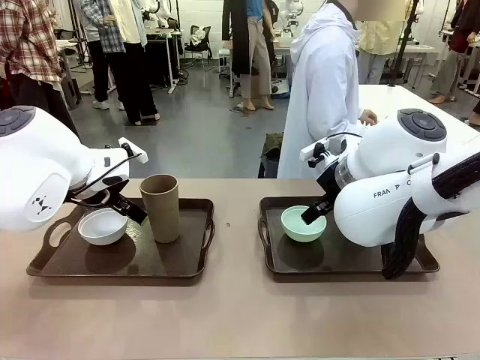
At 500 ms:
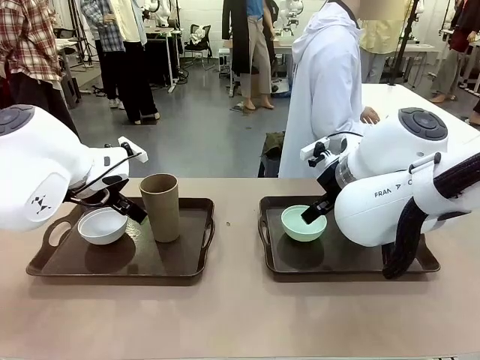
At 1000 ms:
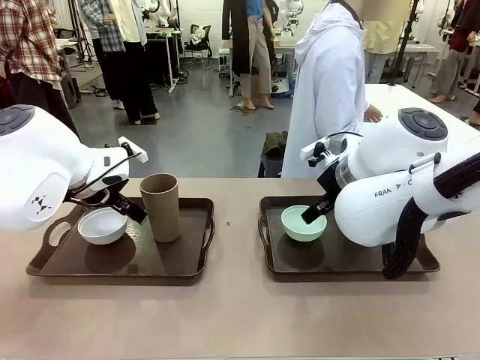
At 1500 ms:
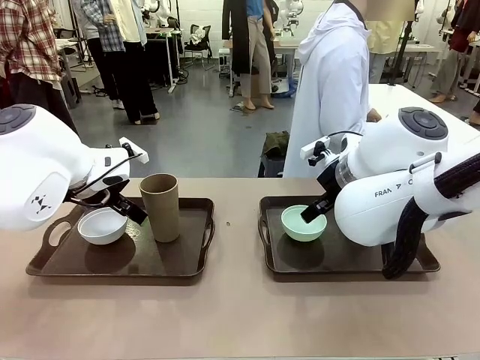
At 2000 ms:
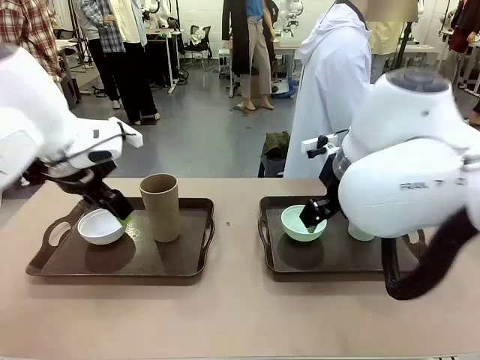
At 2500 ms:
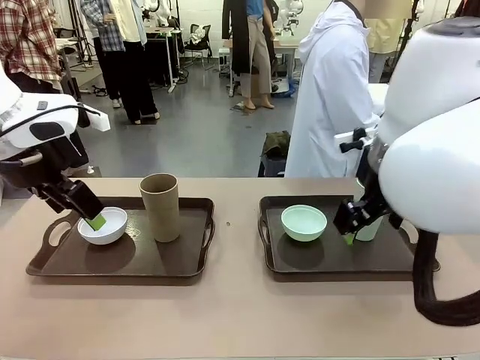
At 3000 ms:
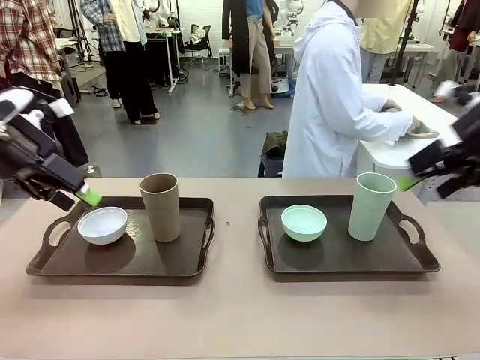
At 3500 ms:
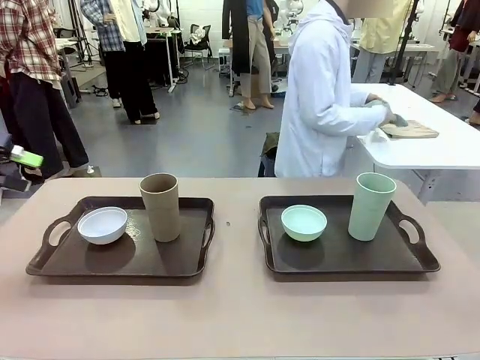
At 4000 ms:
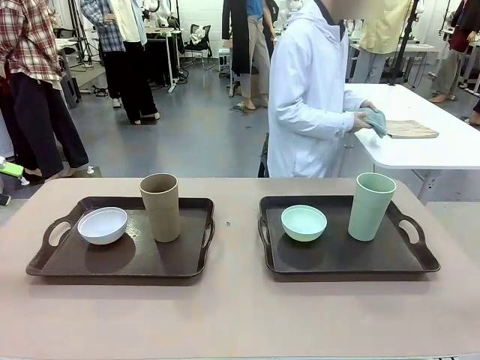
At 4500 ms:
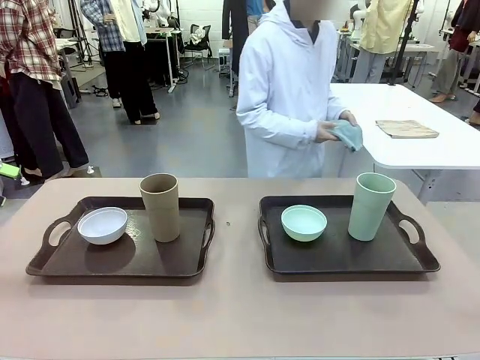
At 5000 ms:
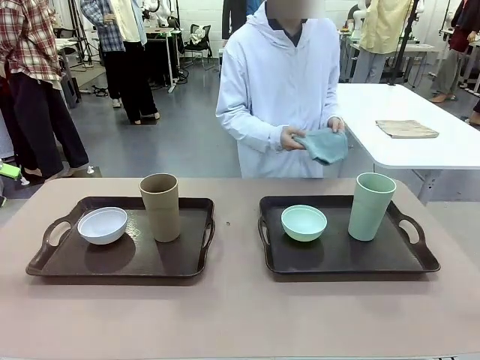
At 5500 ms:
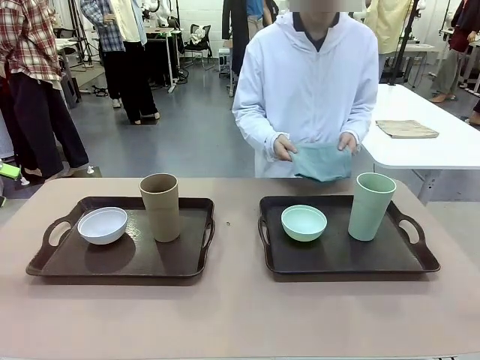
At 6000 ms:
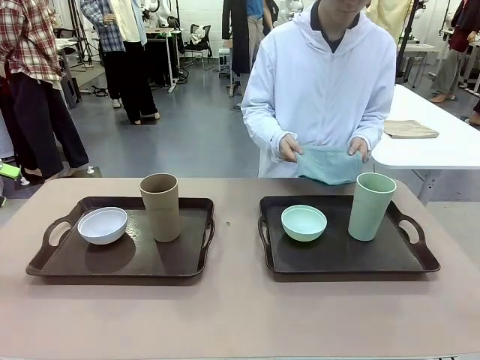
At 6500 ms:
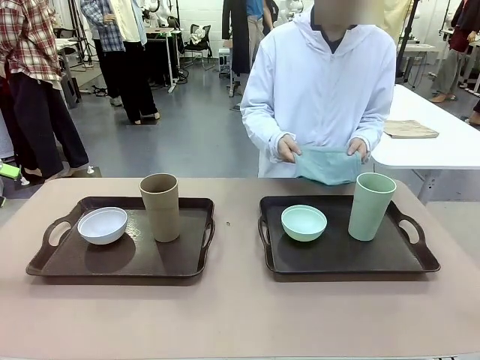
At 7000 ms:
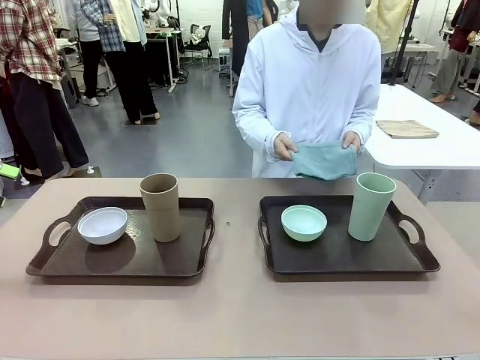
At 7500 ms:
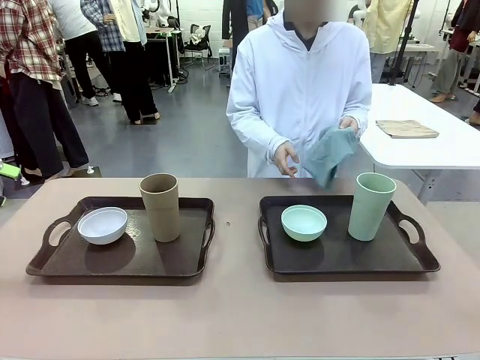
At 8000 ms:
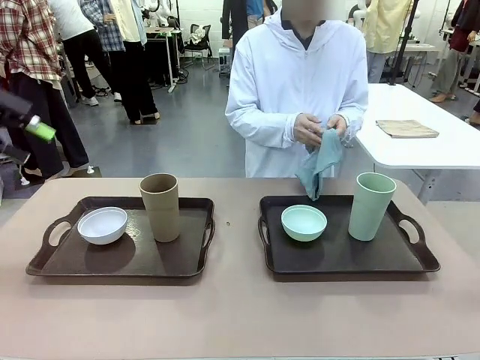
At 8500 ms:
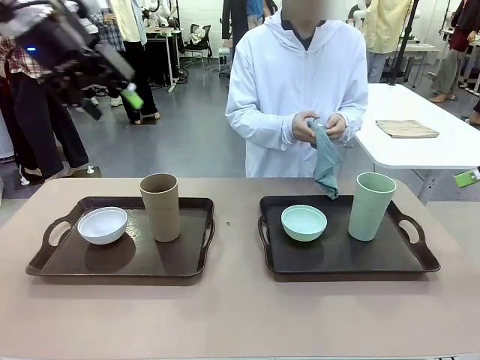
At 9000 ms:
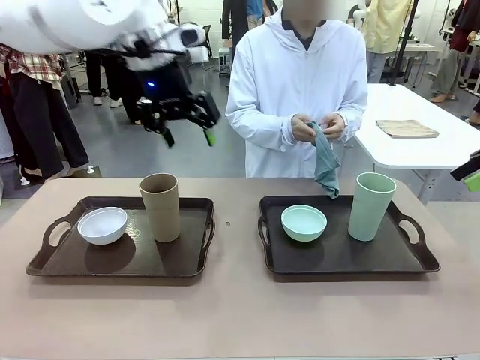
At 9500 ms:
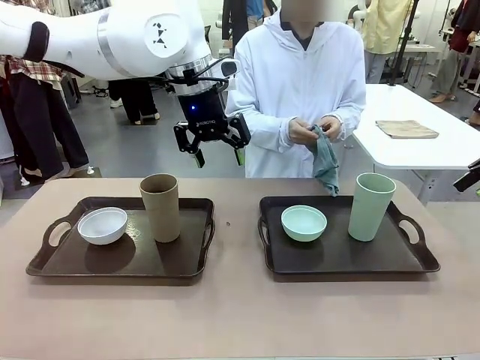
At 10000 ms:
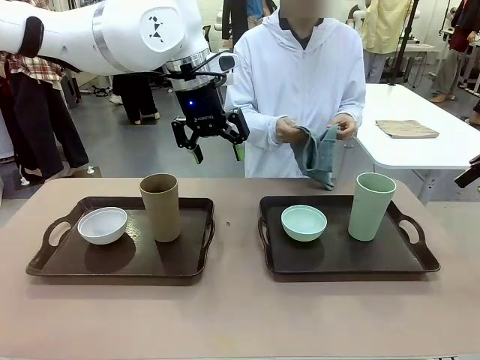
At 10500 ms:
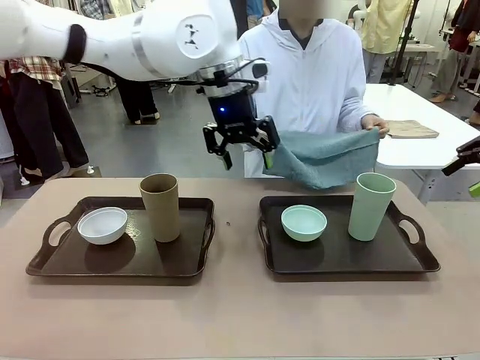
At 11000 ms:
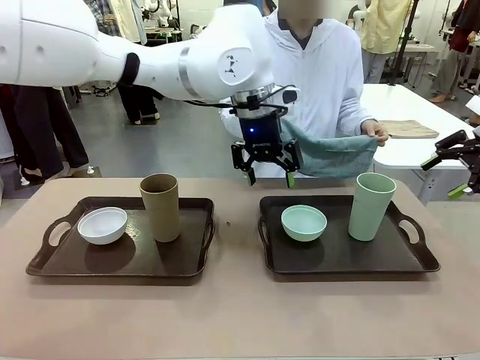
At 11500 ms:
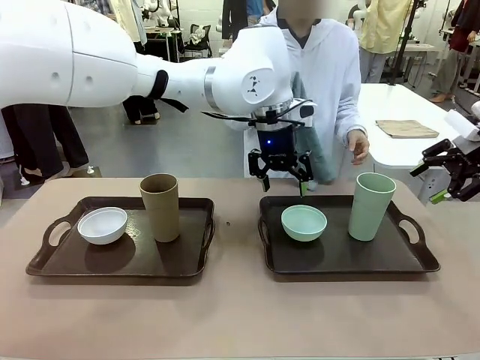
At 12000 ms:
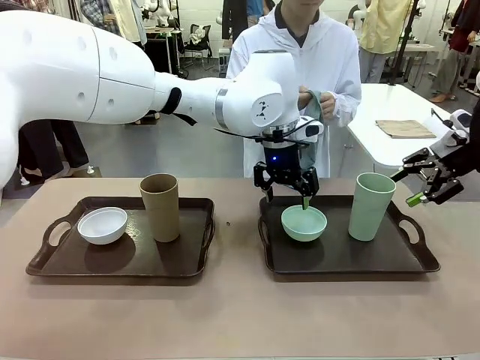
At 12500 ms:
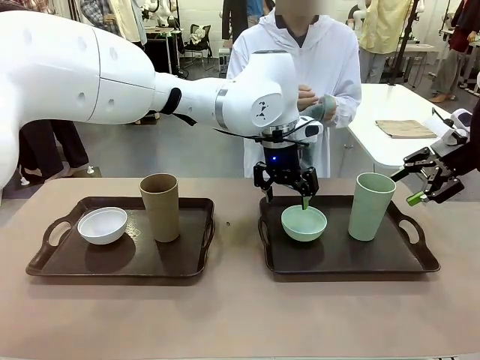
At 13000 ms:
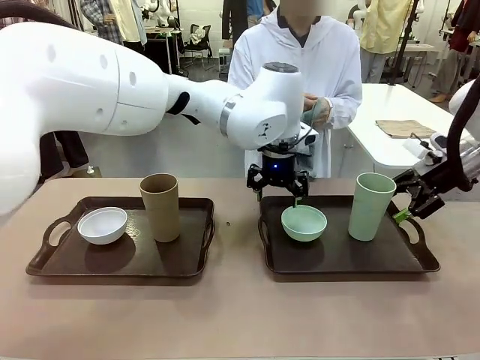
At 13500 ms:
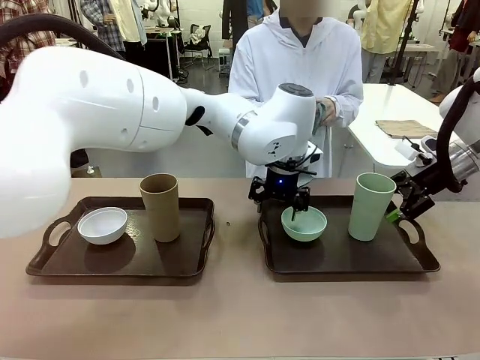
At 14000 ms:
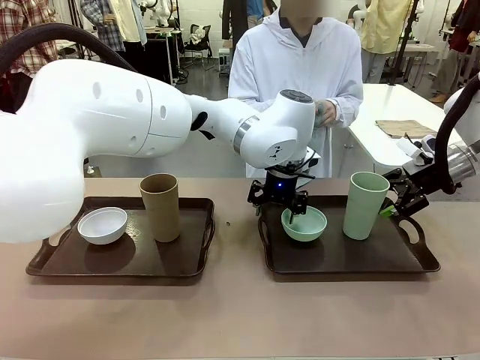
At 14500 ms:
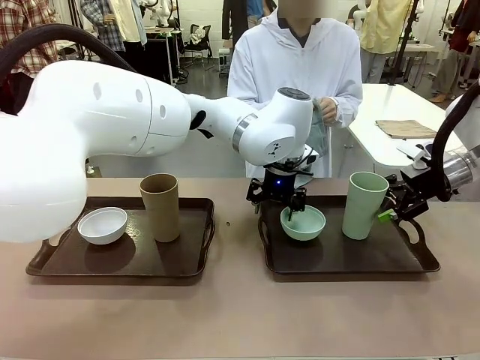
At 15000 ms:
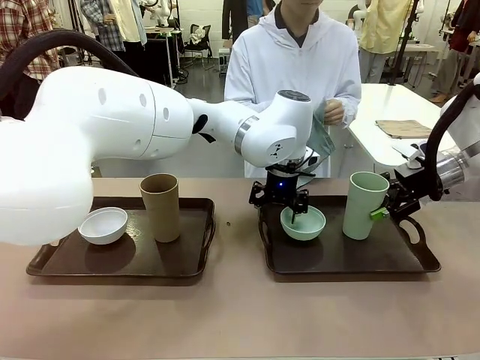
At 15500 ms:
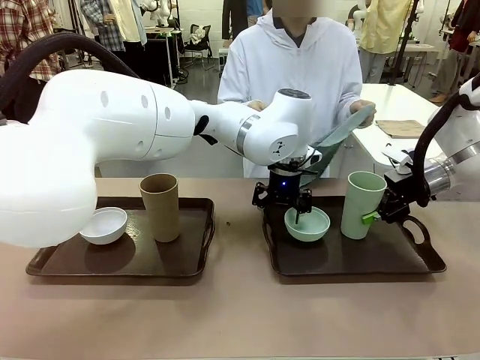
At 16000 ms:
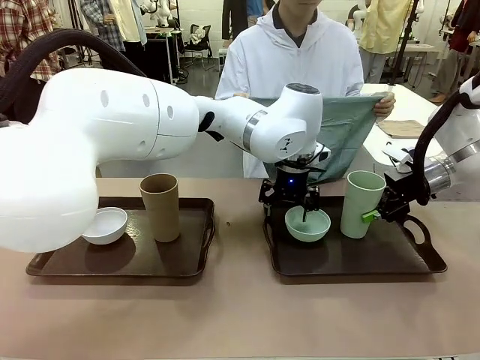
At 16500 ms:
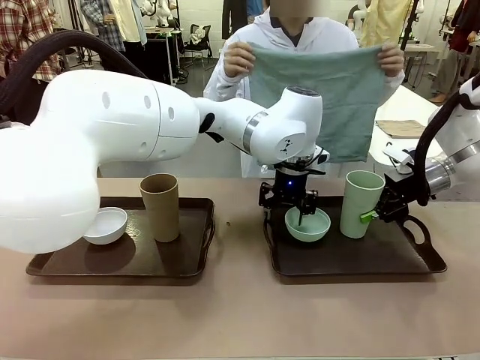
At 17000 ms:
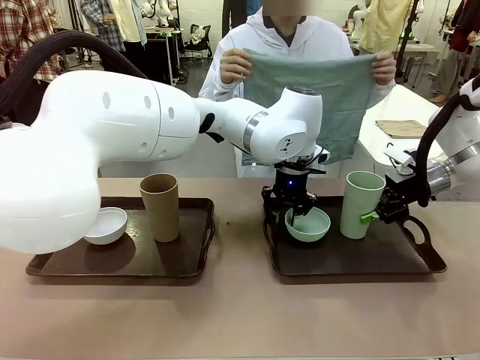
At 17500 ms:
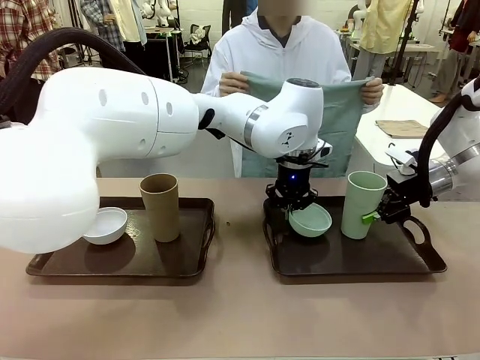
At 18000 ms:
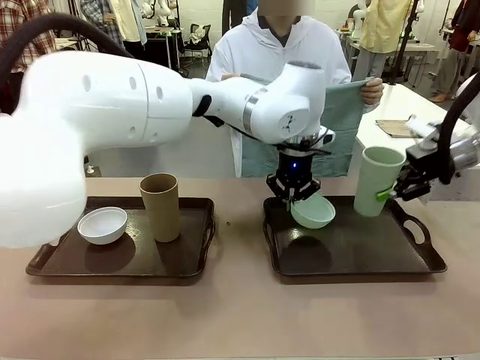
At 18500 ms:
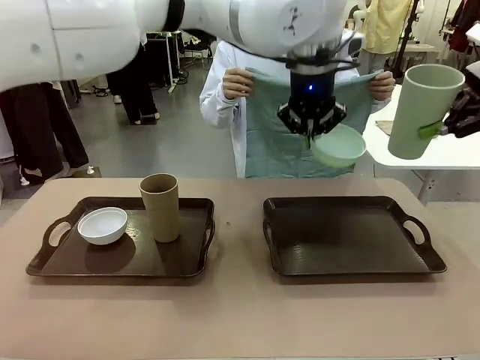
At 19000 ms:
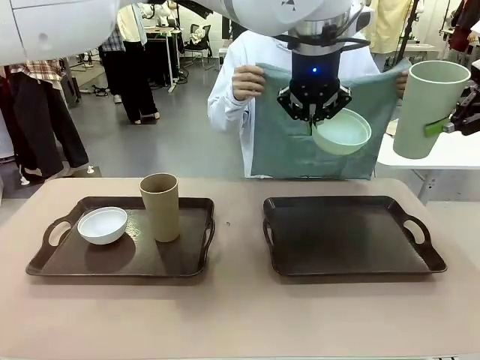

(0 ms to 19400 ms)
Robot: Pick up the Picnic Bowl and Reusable plastic cup from the Handle tray in front of the human's position and hold them in the air.
Person: The human picks up the top napkin from the stack on the human table and walks to the robot table to stand in front of one of the two trays. When the robot lifts the bowl and the cup, the human unfolds the napkin and lays the napkin flat on the tray.

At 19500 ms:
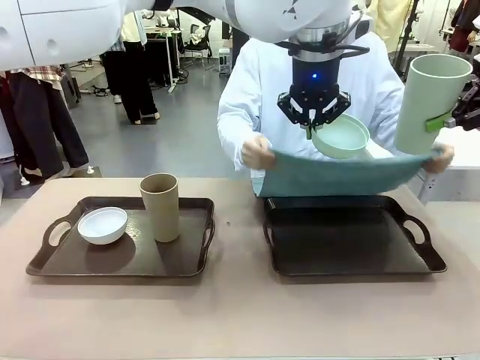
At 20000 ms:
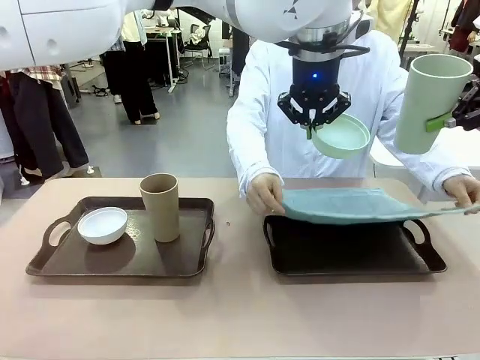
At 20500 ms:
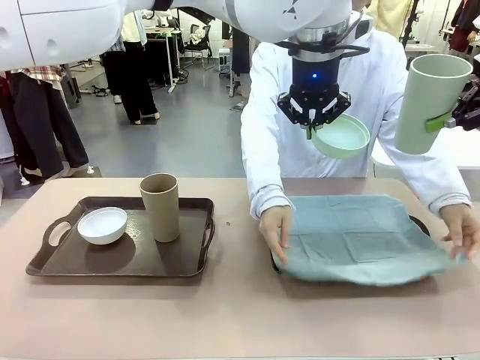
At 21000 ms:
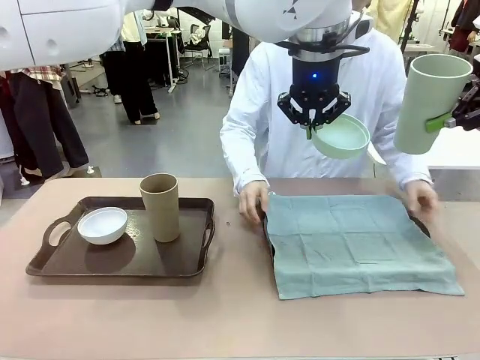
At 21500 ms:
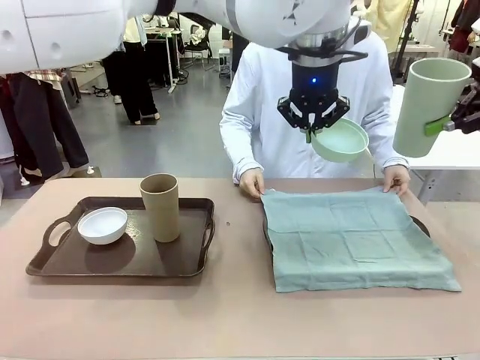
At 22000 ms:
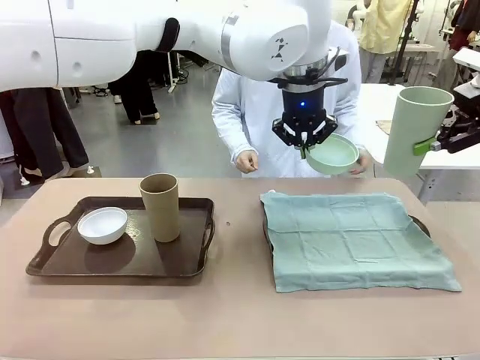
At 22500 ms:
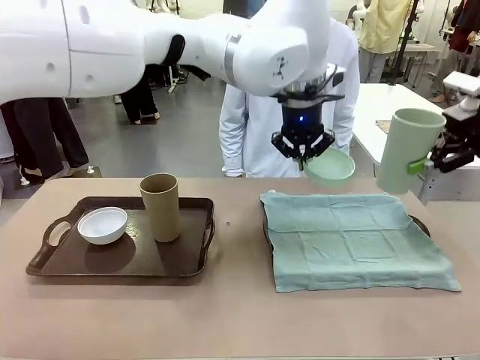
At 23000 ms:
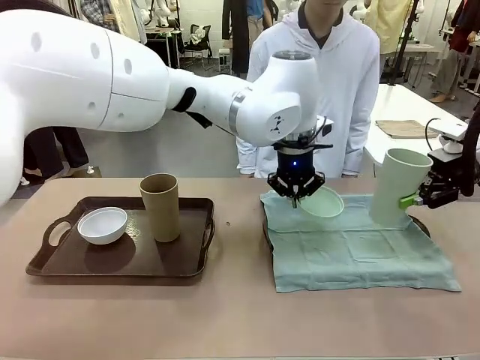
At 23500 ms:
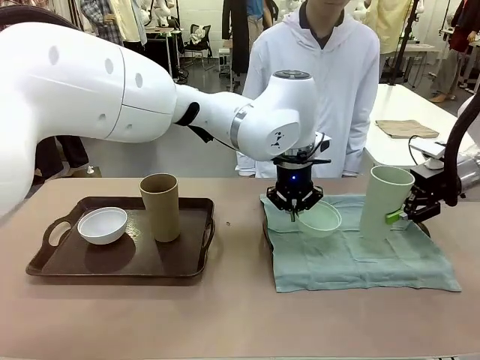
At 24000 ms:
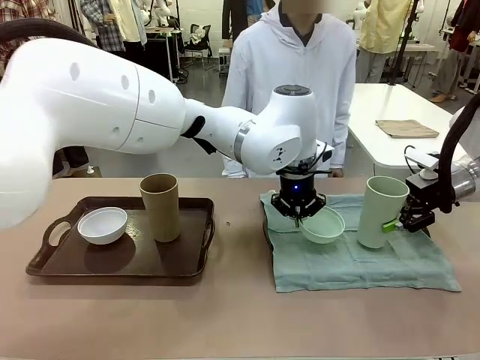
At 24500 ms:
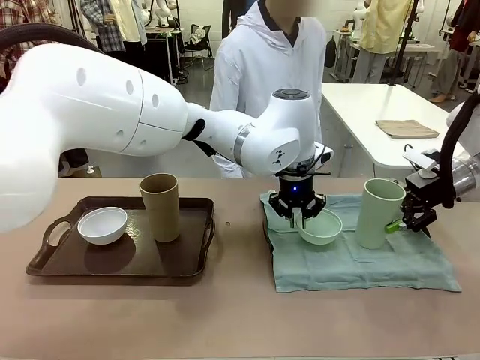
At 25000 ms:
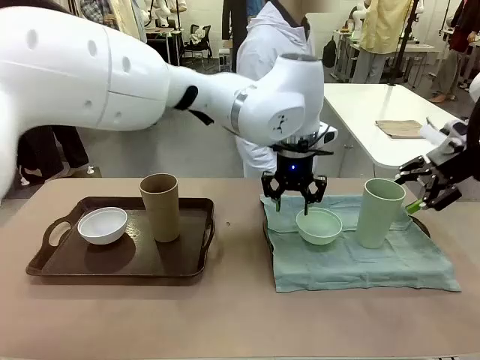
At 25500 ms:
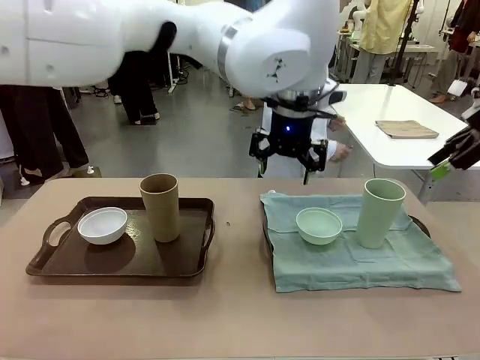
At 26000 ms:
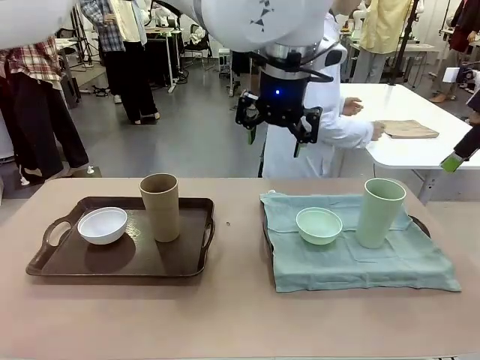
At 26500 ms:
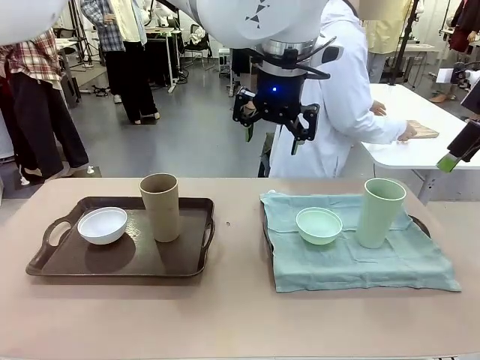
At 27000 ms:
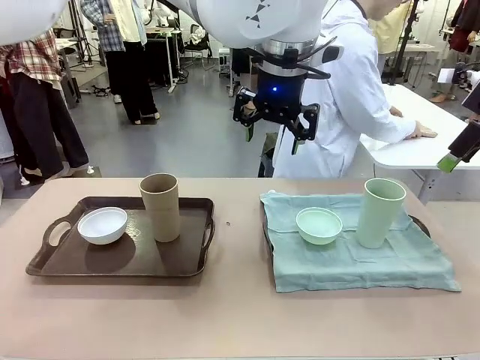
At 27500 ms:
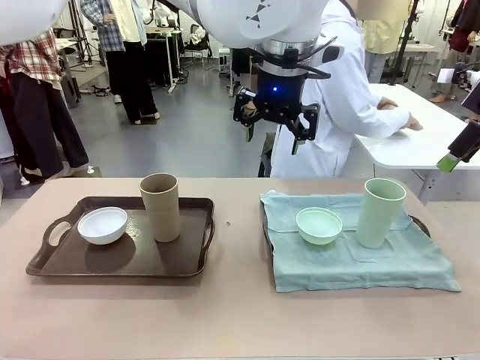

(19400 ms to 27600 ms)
Robot: Place the Picnic Bowl and Reusable plastic cup back onto the Handle tray in front of the human's position.
